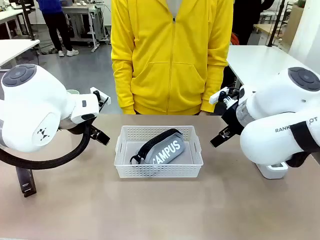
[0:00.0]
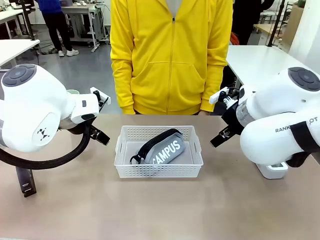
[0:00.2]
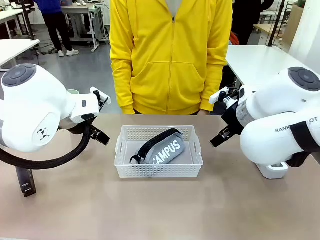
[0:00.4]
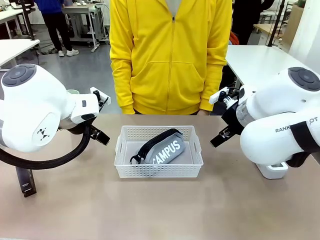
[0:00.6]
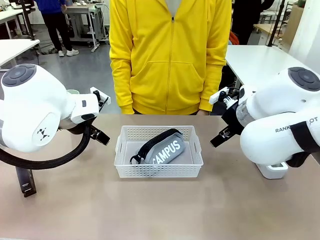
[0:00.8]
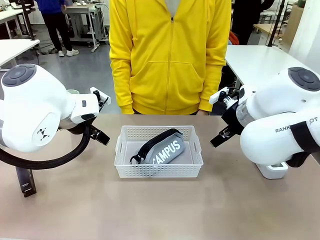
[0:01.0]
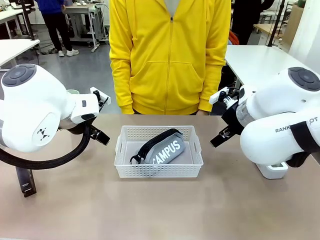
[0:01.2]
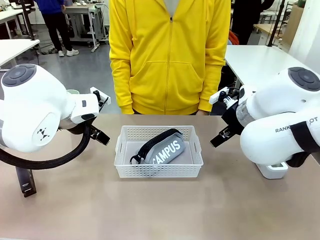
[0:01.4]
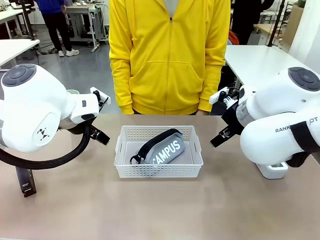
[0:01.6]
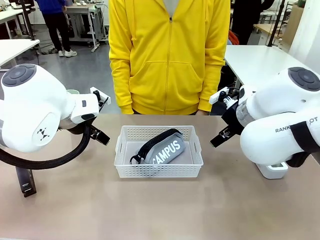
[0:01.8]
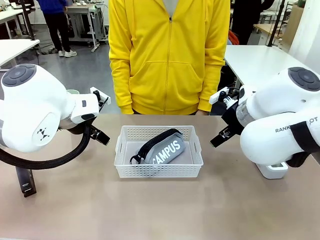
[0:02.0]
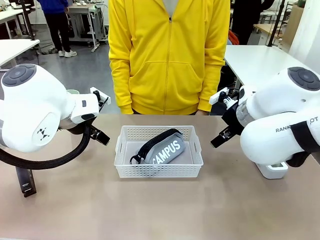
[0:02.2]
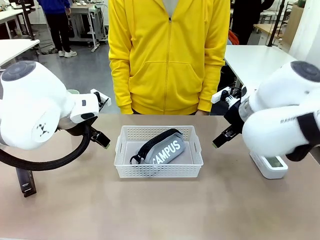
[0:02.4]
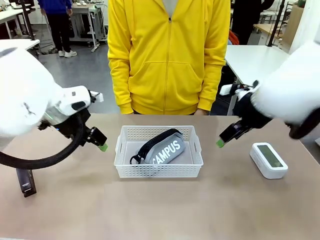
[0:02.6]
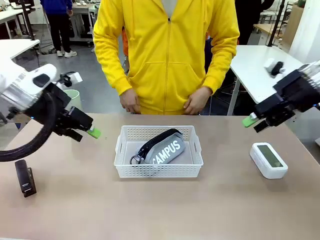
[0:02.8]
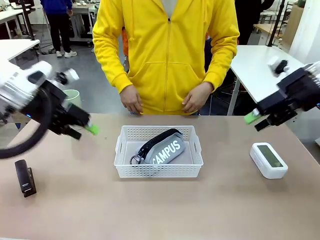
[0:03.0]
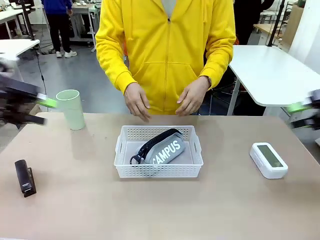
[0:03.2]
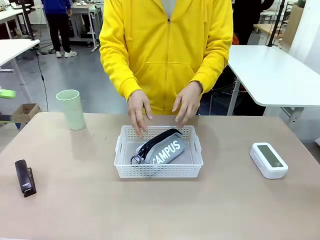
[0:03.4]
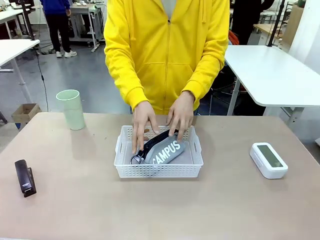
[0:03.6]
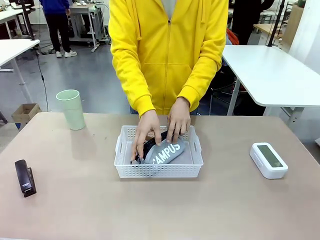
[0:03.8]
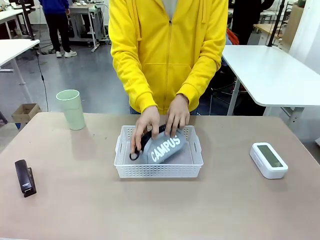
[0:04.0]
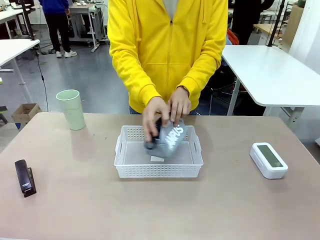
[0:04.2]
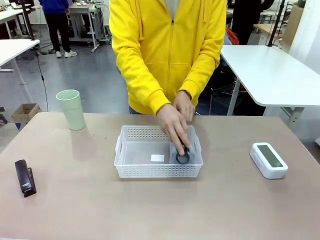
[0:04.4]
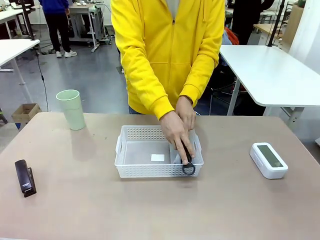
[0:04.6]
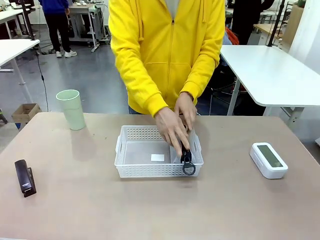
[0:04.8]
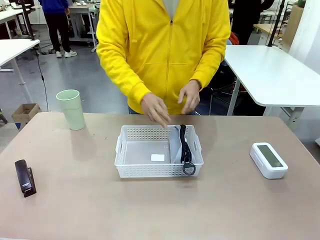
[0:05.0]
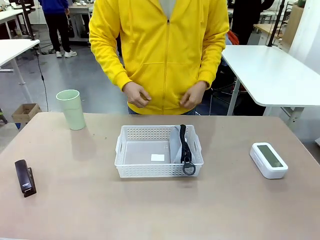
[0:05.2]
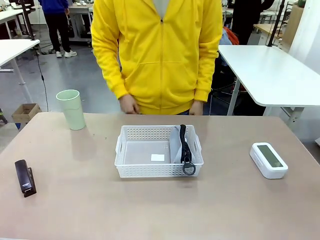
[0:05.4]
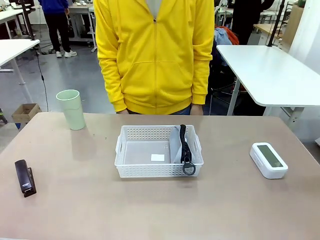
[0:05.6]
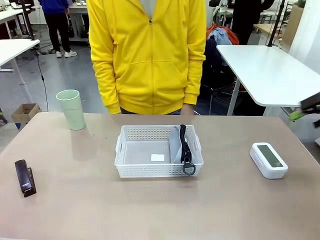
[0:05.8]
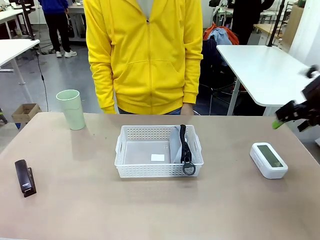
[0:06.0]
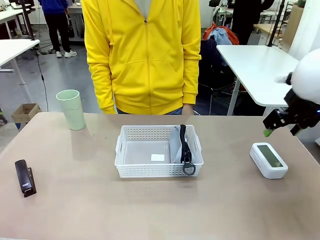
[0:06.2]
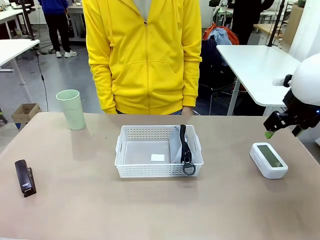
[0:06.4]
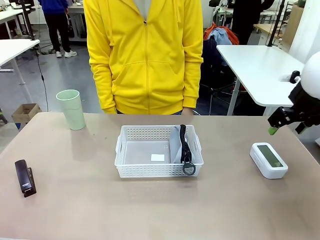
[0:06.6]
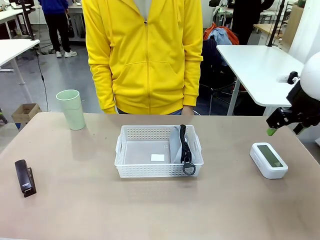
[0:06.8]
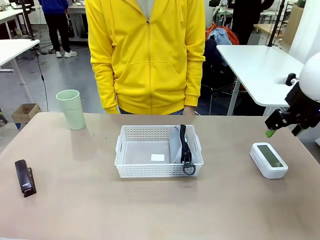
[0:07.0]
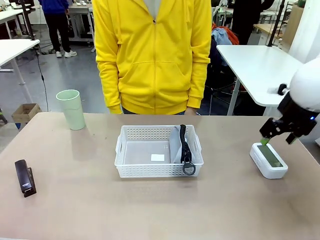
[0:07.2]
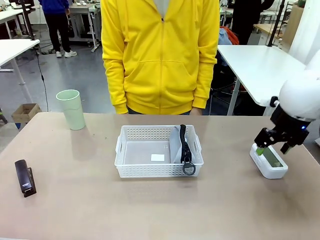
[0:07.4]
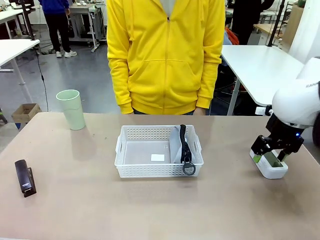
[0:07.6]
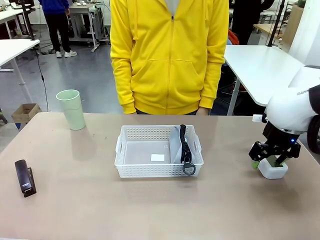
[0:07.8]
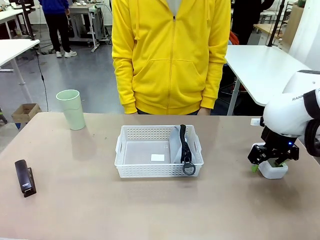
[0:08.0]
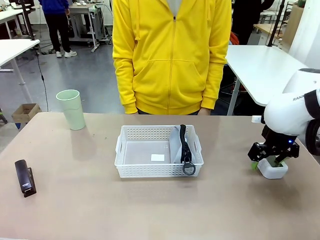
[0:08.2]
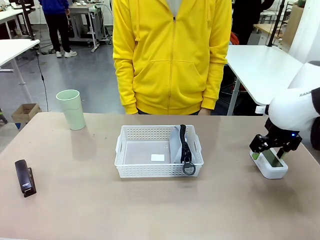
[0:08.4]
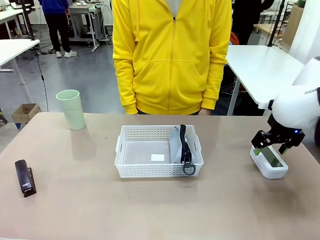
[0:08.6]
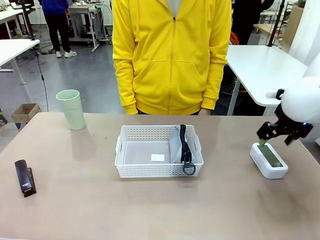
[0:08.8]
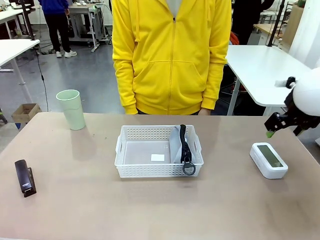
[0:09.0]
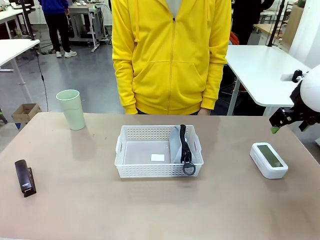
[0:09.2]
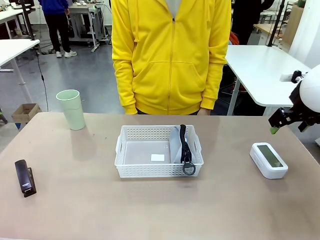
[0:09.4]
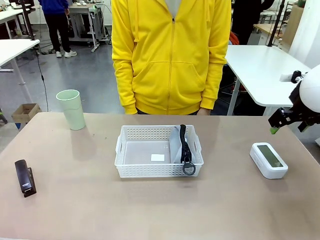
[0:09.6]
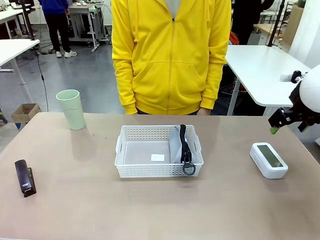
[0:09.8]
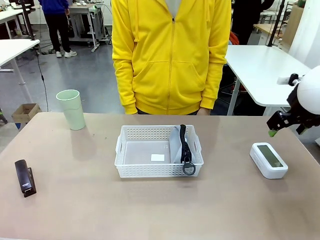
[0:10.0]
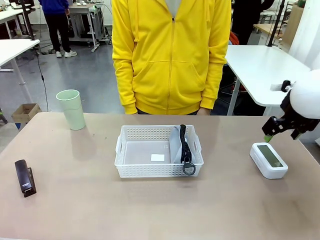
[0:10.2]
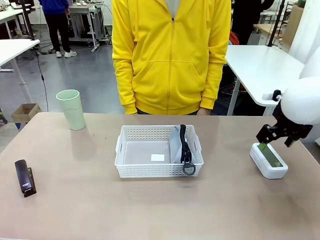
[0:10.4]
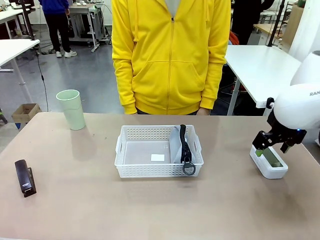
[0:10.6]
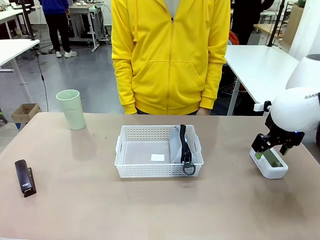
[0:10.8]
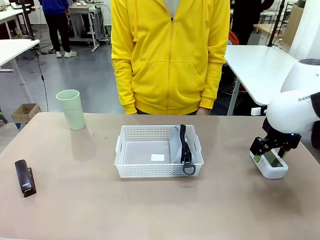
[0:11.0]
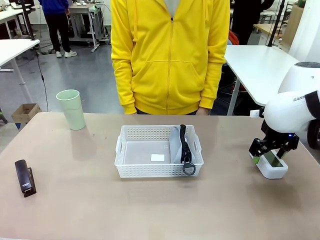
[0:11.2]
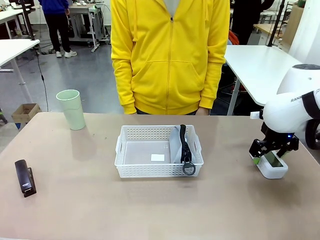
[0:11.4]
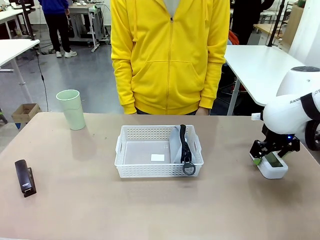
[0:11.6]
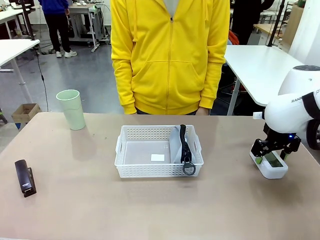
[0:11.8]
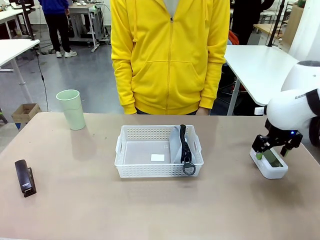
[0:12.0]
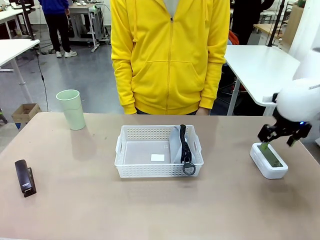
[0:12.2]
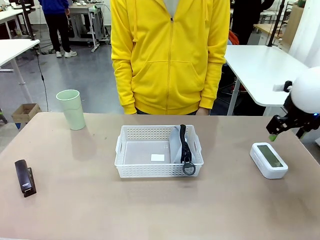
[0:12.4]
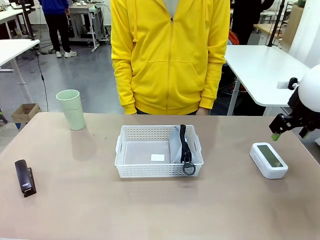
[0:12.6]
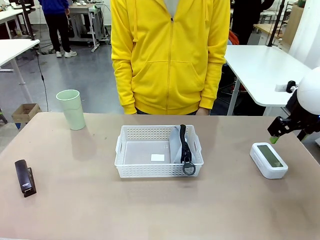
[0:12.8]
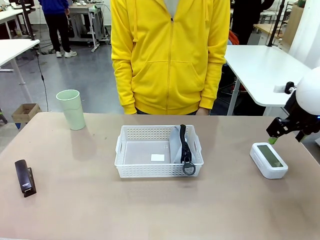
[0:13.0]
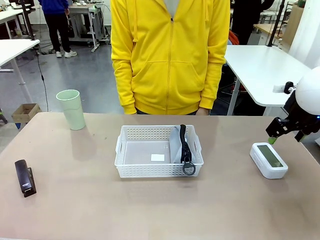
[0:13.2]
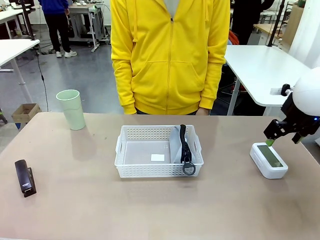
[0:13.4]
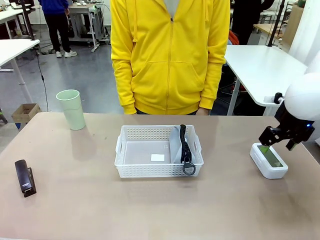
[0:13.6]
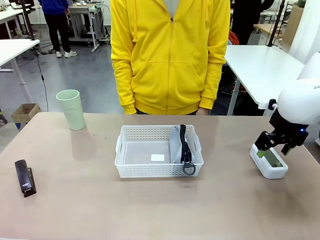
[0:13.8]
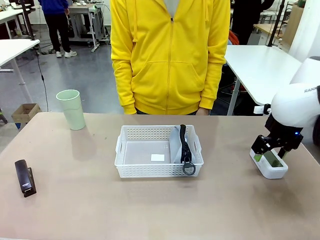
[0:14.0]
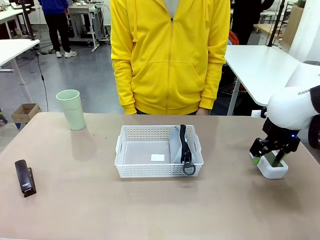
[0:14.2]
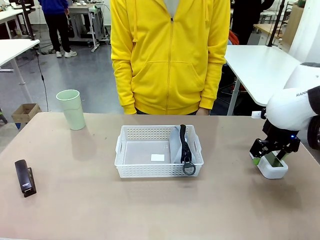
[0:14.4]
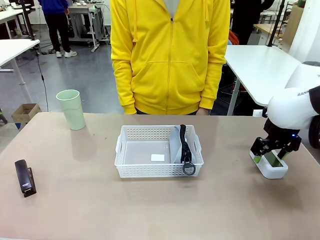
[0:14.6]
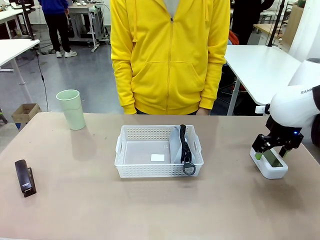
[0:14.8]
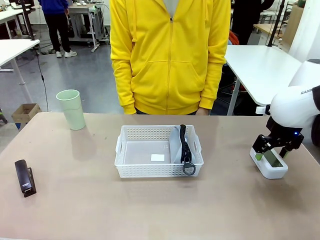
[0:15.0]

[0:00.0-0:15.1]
Task: Efficiently arrange items inside the basket to fit them all.
Robot: Pick up the Digital clock and place it inside the Organizing basket.
Person: Repositions the pencil case.
